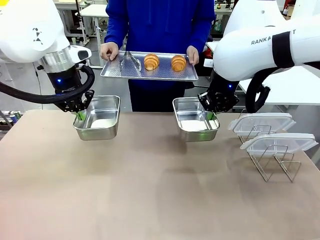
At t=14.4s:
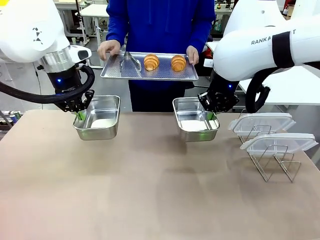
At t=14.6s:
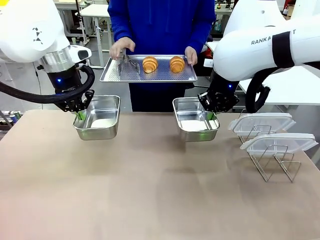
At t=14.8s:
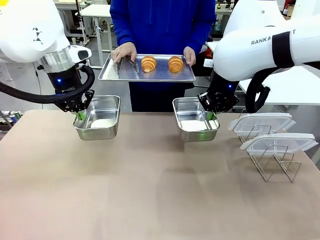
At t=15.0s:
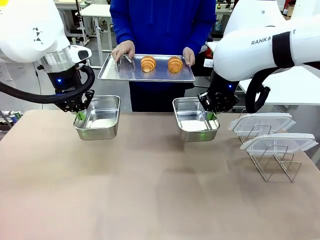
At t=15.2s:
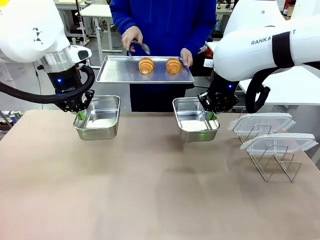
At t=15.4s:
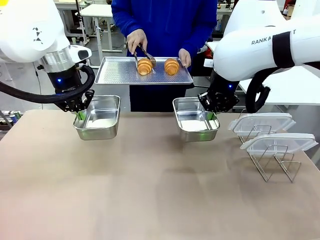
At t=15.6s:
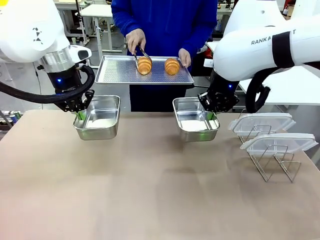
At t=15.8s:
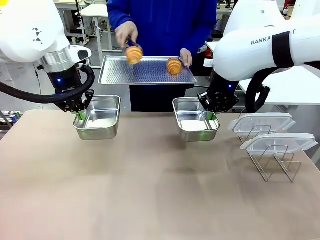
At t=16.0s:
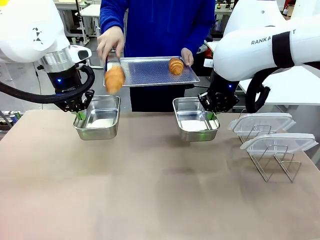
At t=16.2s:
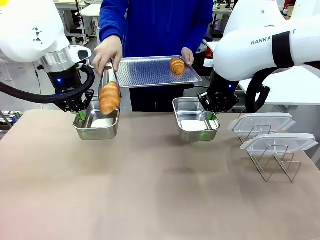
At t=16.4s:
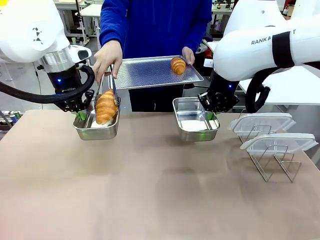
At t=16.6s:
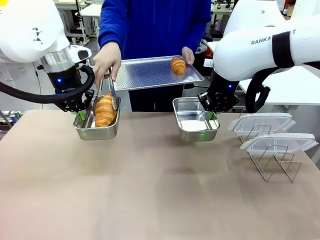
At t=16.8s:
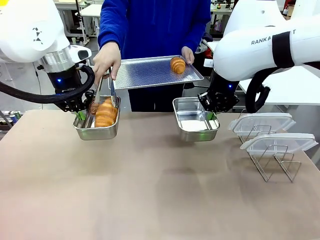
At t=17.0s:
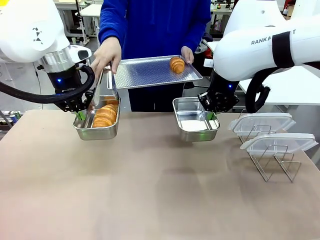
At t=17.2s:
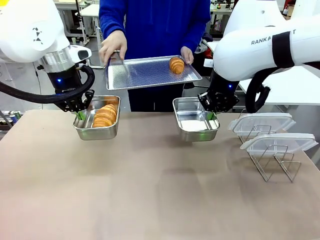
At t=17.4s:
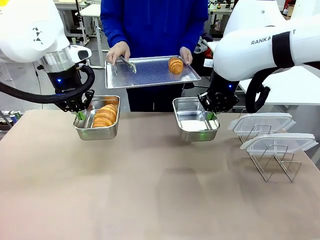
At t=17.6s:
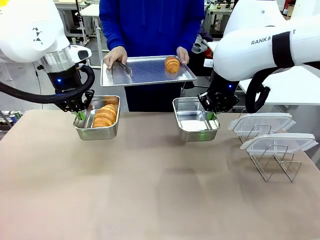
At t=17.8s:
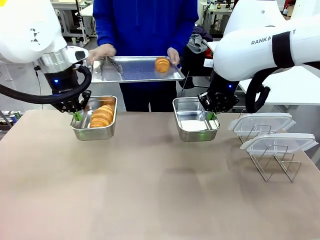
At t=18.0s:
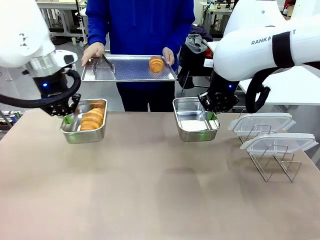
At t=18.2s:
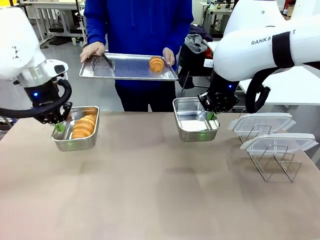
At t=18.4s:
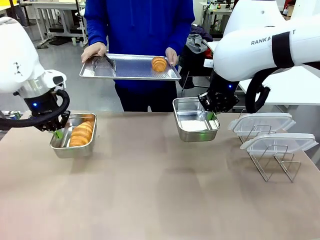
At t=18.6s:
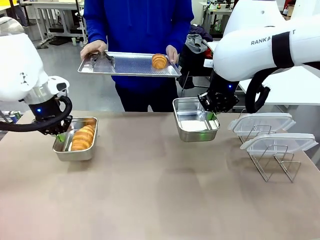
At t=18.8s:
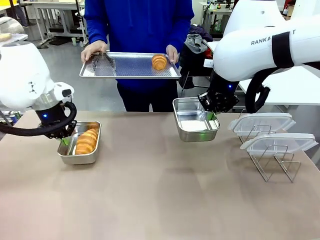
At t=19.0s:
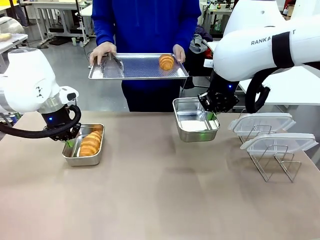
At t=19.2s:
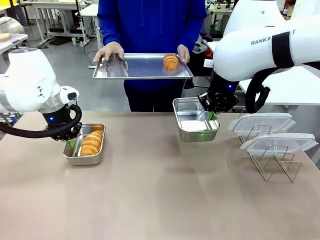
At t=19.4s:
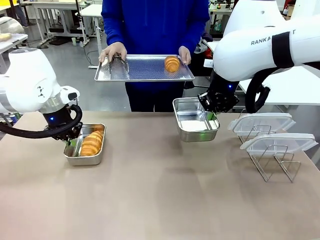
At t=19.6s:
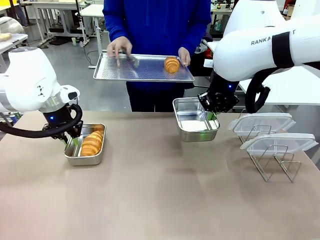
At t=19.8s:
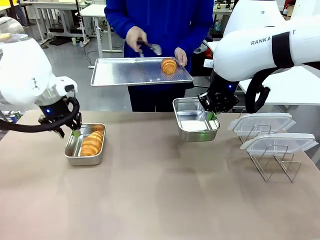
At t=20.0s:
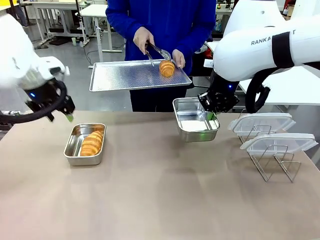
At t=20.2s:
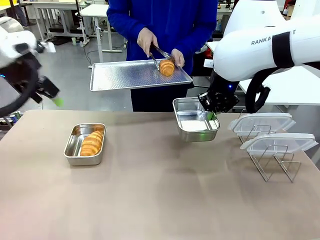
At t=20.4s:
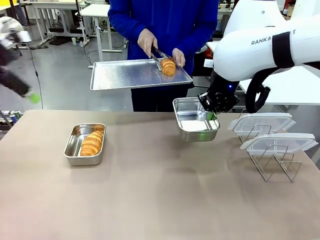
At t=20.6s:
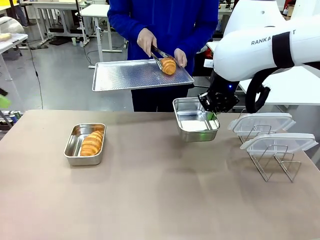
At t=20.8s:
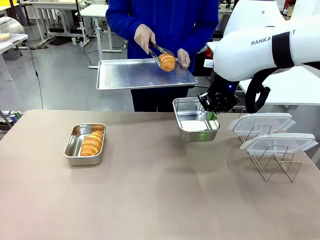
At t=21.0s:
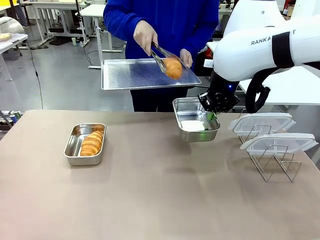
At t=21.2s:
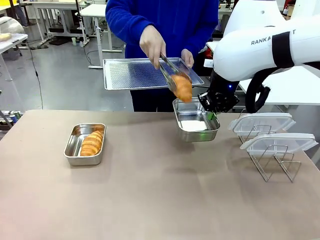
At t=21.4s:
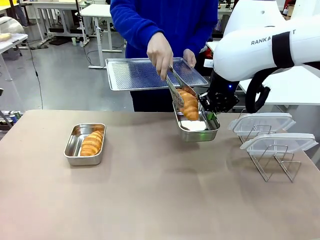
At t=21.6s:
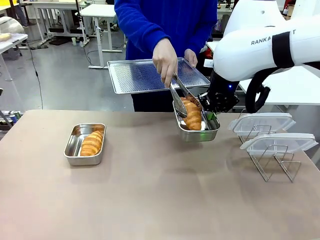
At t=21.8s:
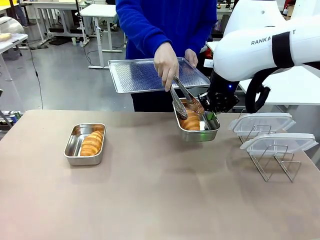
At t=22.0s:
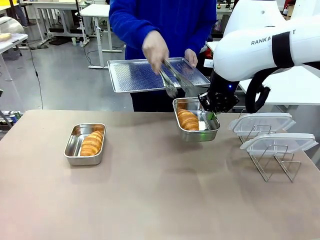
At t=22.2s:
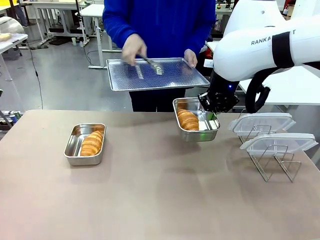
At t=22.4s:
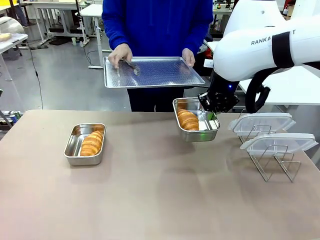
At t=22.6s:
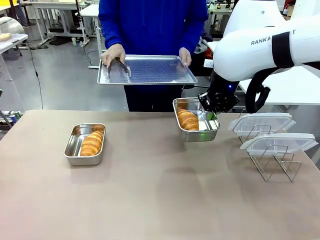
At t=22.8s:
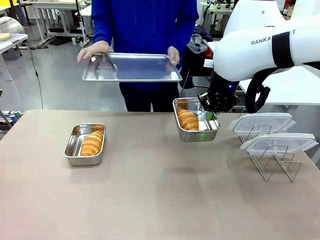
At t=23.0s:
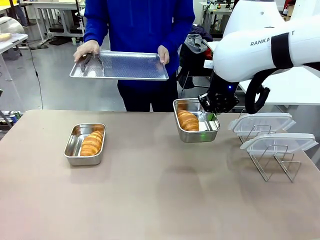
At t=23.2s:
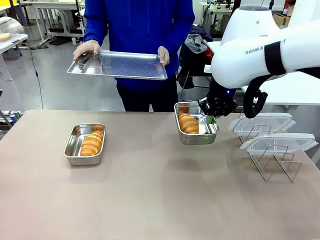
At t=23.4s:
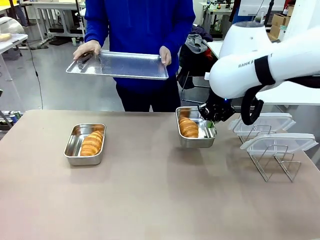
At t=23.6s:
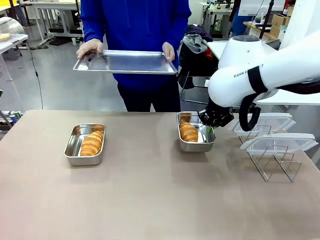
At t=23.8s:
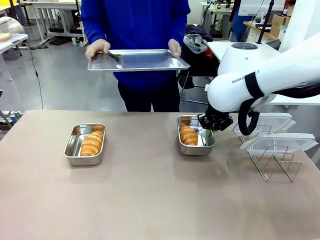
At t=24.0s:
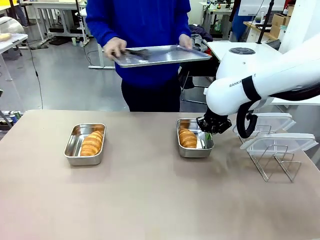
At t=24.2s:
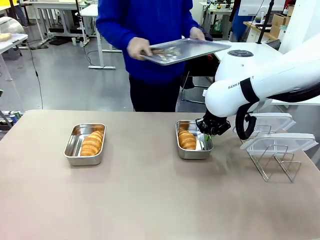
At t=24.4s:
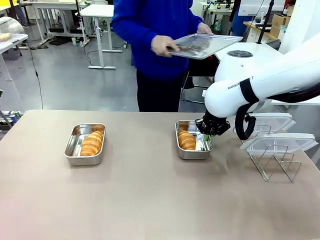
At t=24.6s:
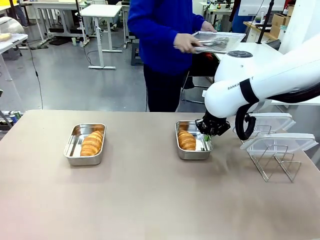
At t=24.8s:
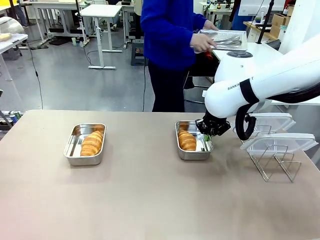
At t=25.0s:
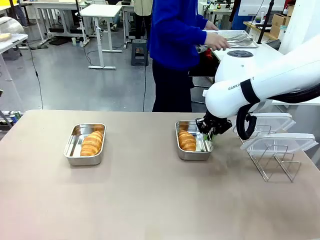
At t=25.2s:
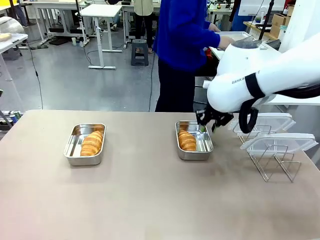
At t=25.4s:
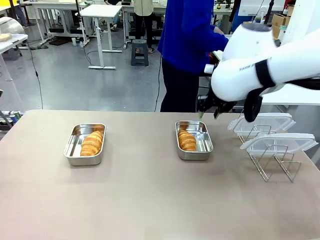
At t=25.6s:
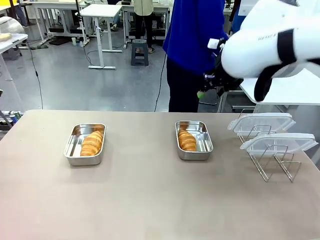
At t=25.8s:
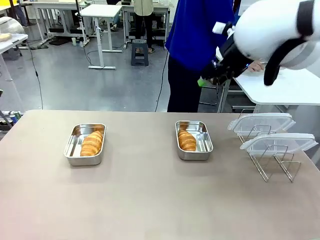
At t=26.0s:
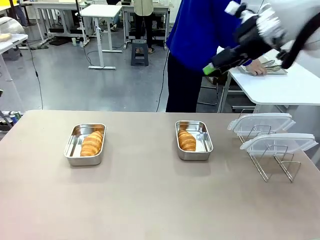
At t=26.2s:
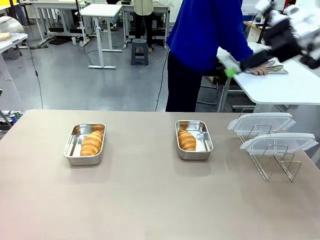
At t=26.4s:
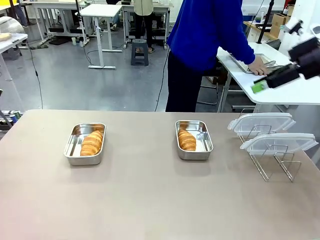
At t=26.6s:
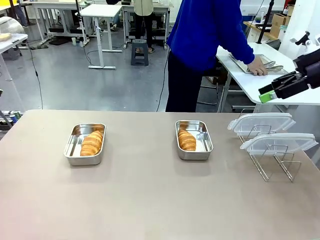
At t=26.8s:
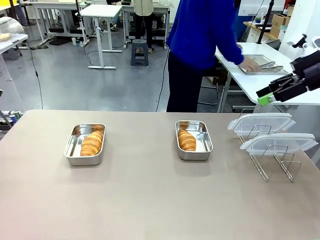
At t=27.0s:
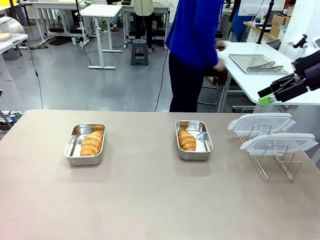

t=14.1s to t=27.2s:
Task: Place the bread in airtight containers.
Robot: Once an object is inside an Airtight Container , place the container in the center of the table.
Person: Use the Stainless steel tongs to place one object from Baking Sheet into one Airtight Container. Place Baking Sheet on the Human's Table.

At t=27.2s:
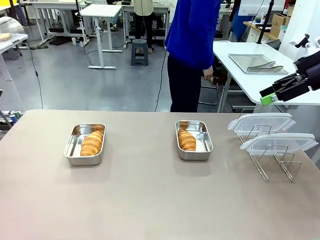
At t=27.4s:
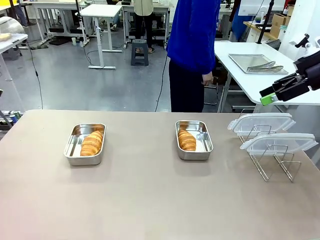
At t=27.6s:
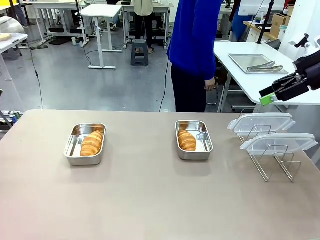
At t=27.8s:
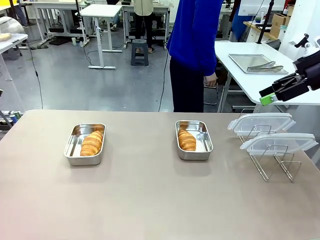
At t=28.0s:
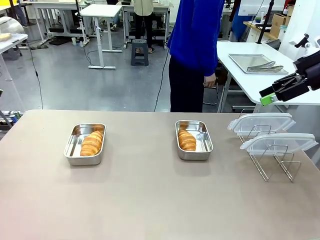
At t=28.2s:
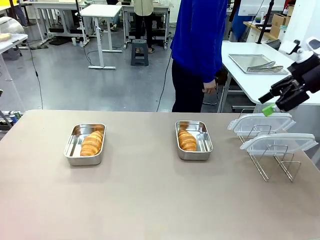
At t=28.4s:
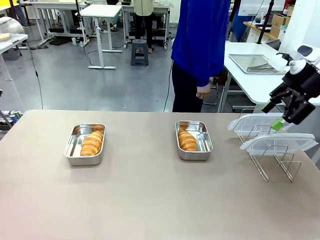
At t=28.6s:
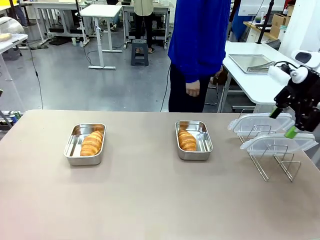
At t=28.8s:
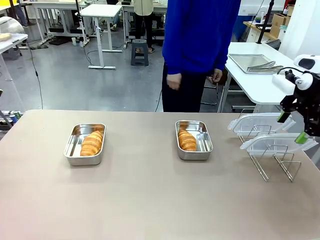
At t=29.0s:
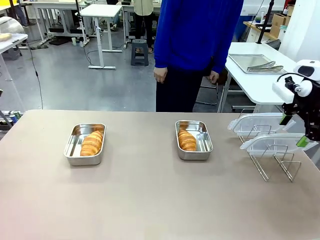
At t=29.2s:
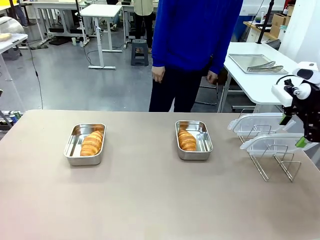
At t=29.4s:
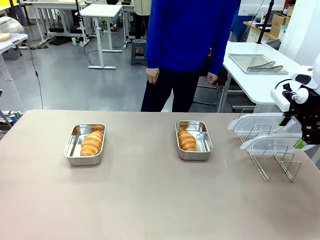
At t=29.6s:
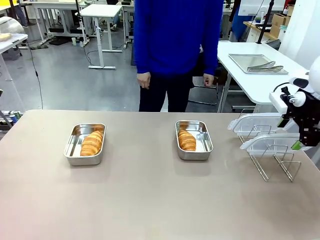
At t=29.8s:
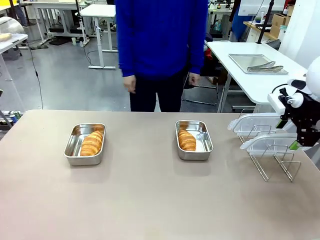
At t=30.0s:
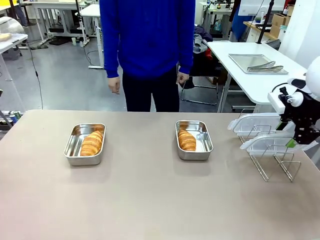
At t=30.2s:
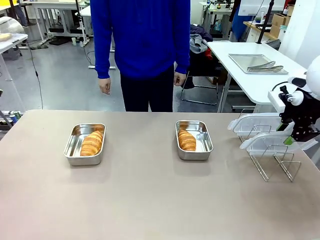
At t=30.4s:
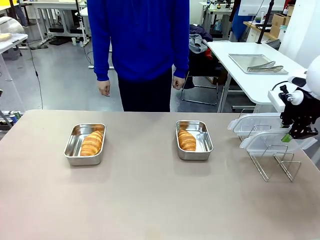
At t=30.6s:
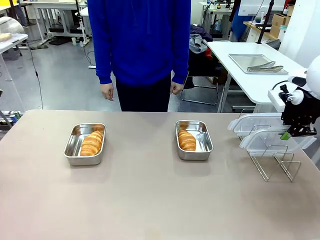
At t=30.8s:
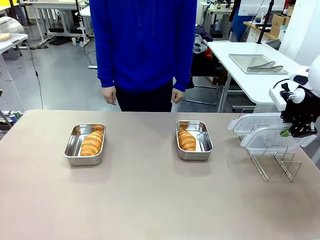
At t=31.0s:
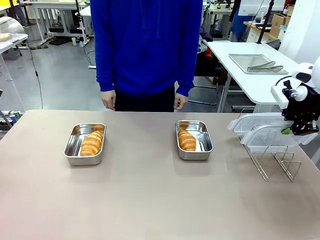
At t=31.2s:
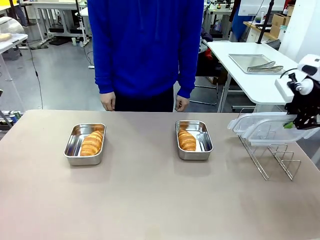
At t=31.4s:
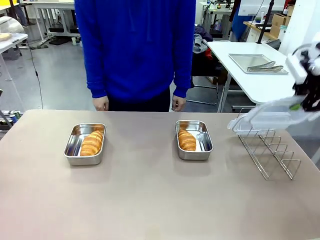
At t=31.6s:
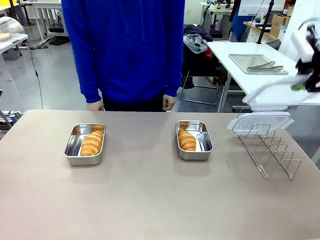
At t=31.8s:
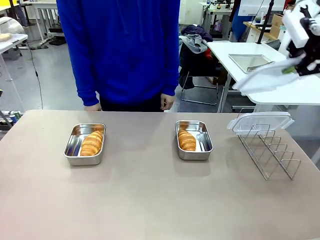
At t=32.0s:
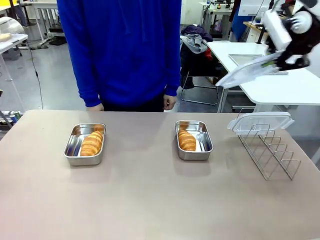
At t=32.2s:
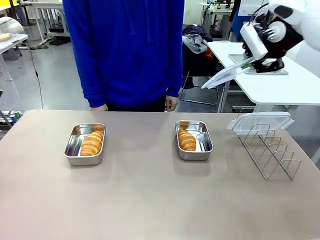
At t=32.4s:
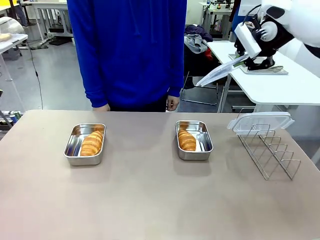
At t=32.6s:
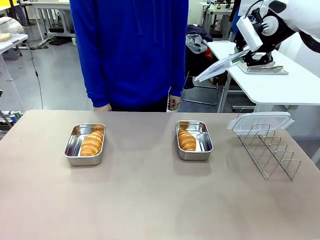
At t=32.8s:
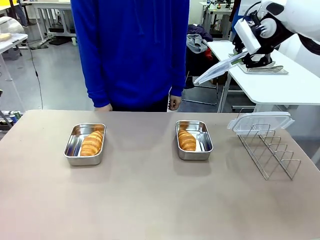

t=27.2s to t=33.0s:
Robot: Pick up one Airtight Container lid and hand it to the human.
Person: Grip Airtight Container lid that robot is handing.

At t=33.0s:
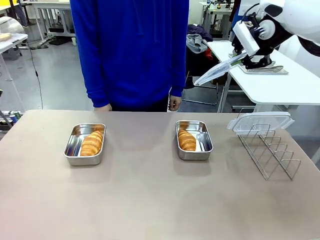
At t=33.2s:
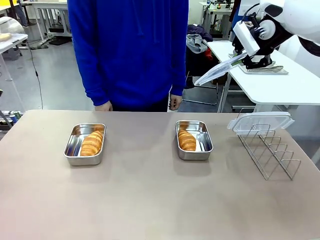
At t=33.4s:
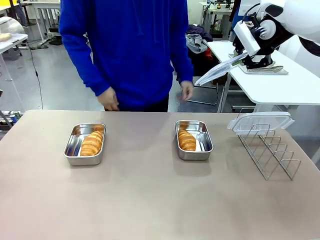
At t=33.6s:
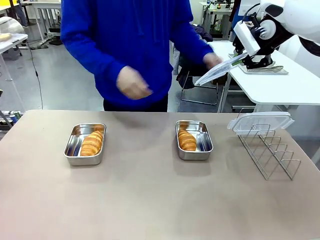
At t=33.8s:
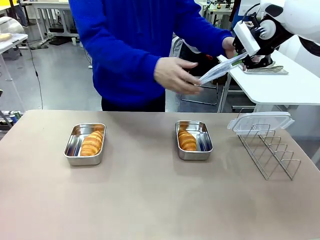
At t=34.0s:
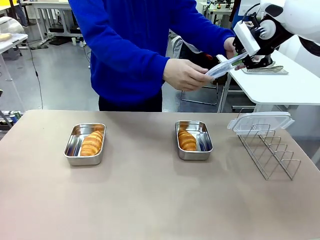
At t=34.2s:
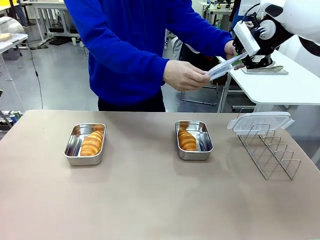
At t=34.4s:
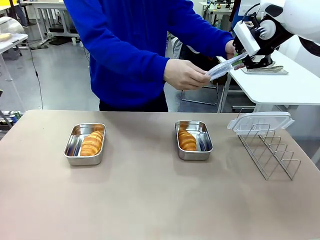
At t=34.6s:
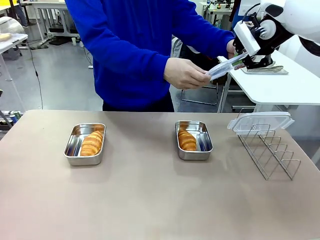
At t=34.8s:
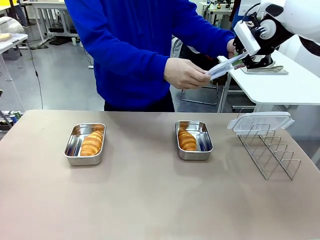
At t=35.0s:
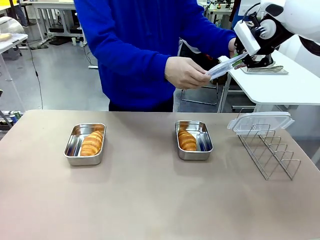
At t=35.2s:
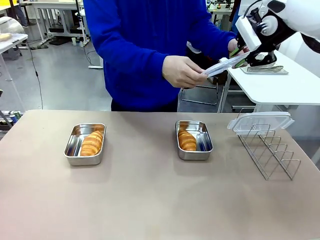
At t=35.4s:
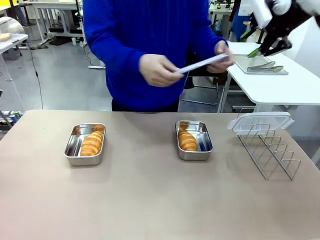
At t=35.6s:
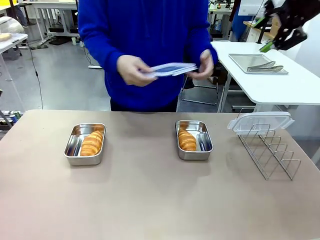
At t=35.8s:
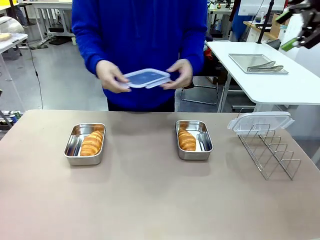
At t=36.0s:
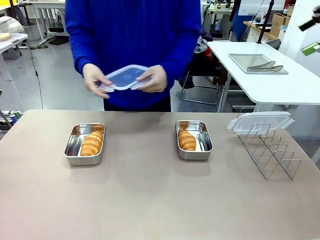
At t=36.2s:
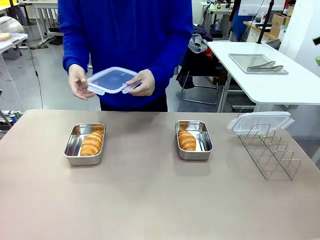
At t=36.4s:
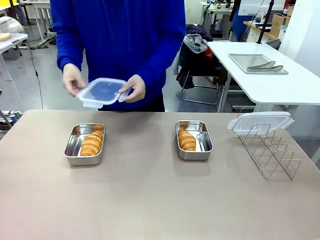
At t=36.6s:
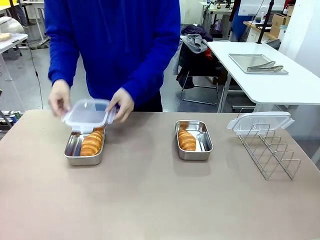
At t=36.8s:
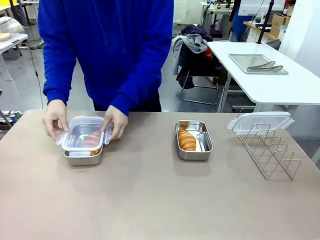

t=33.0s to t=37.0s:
Robot: Release when the human grabs the Airtight Container lid.
